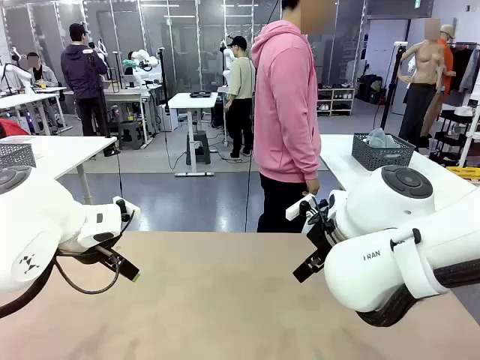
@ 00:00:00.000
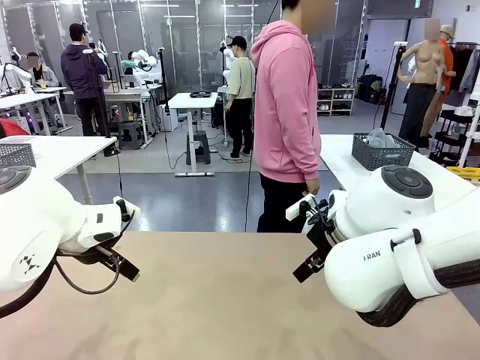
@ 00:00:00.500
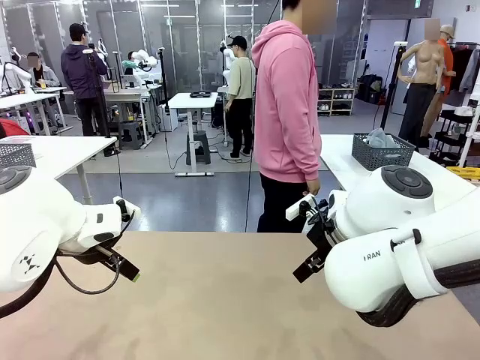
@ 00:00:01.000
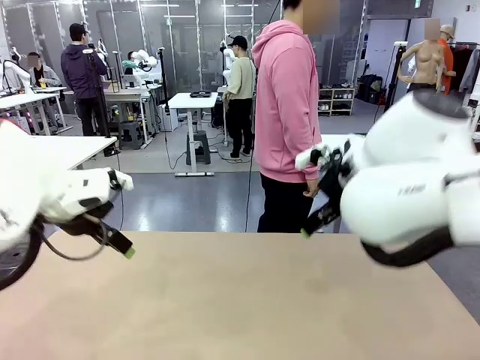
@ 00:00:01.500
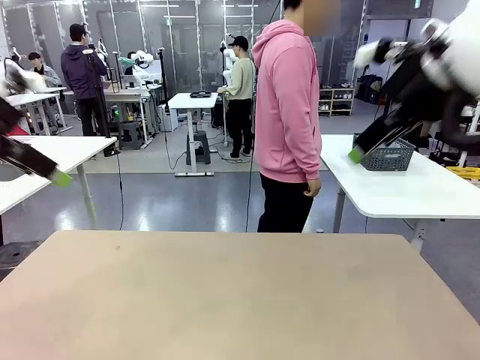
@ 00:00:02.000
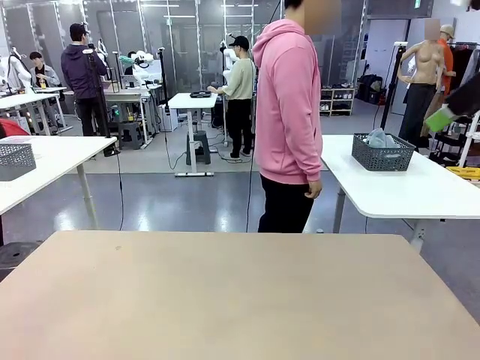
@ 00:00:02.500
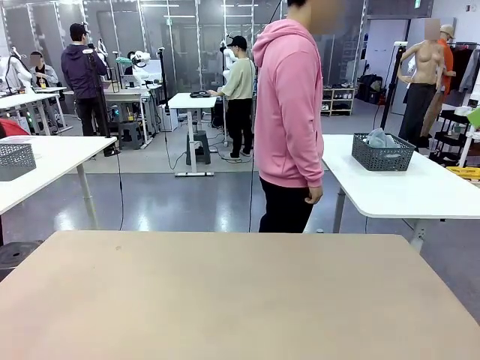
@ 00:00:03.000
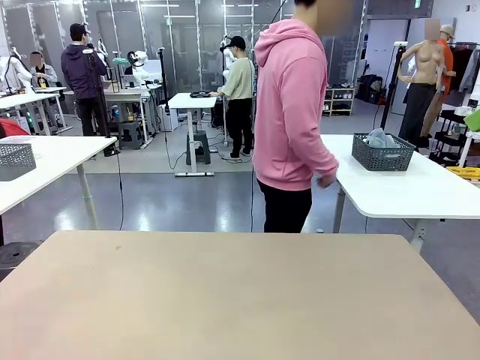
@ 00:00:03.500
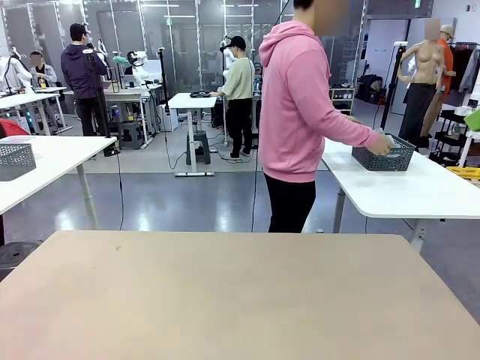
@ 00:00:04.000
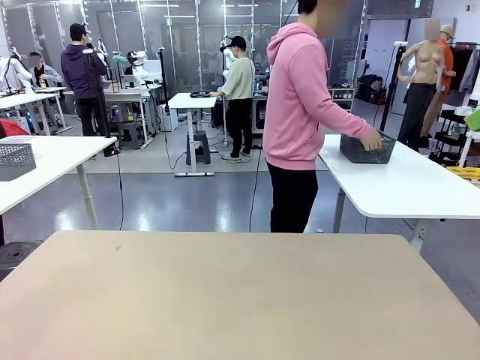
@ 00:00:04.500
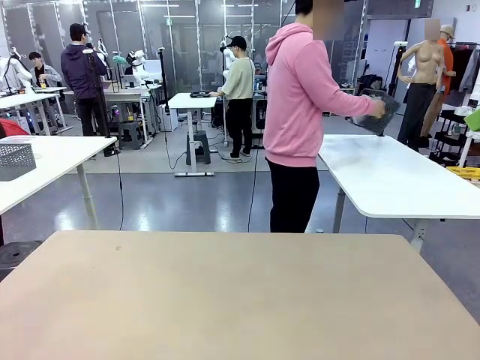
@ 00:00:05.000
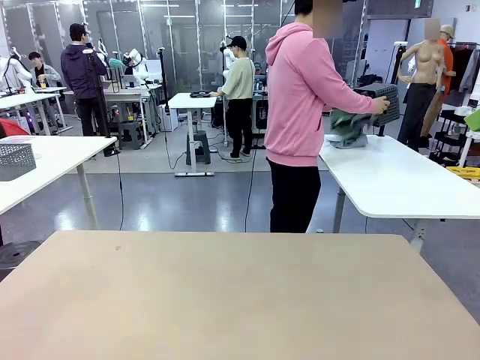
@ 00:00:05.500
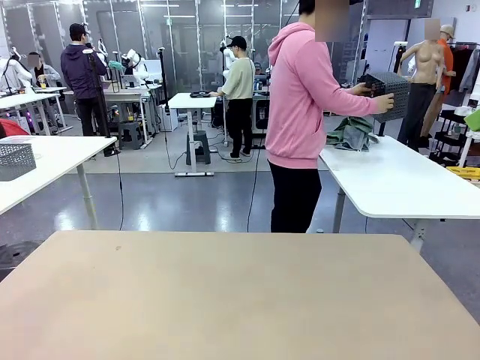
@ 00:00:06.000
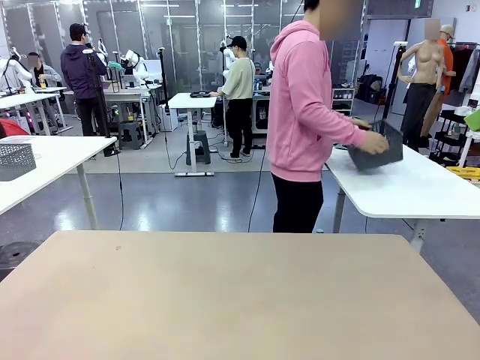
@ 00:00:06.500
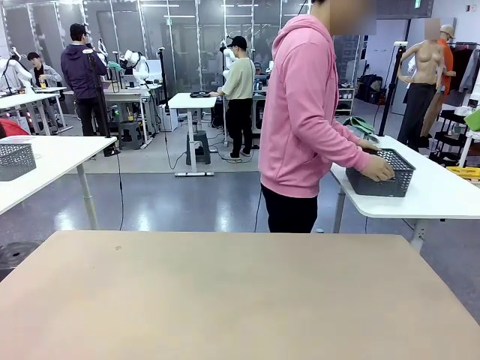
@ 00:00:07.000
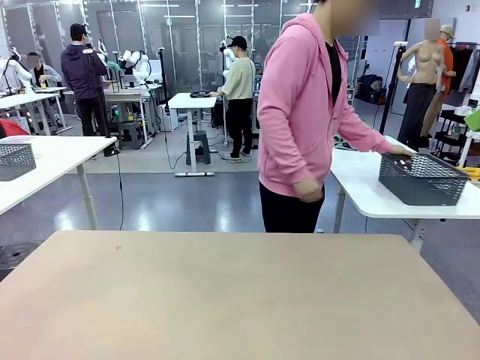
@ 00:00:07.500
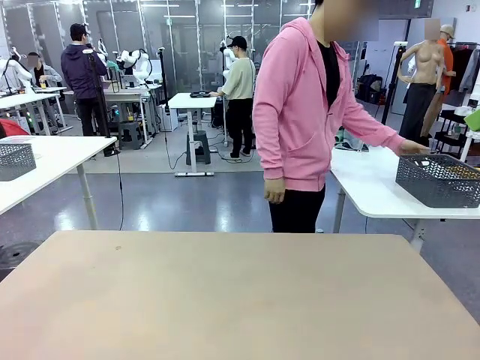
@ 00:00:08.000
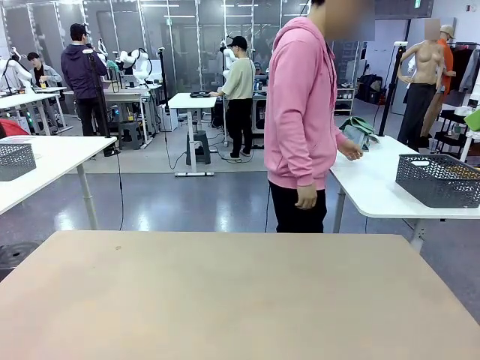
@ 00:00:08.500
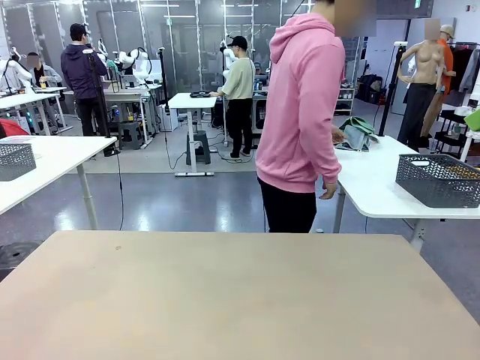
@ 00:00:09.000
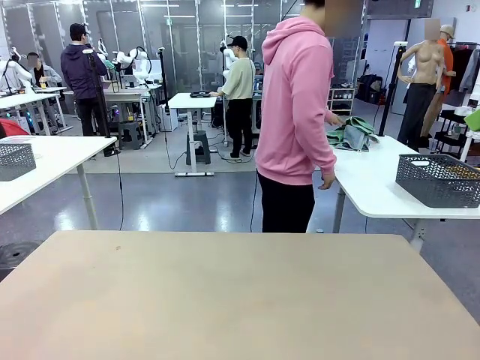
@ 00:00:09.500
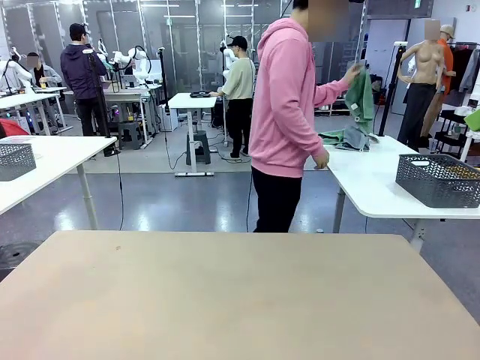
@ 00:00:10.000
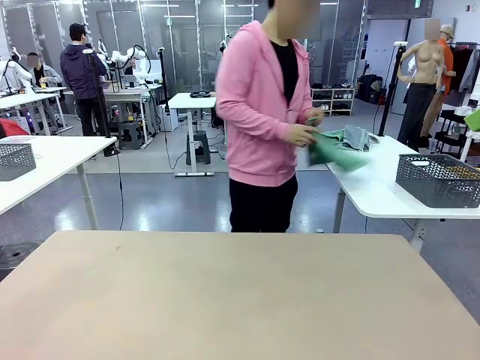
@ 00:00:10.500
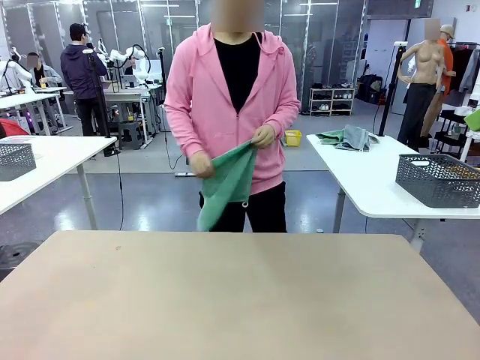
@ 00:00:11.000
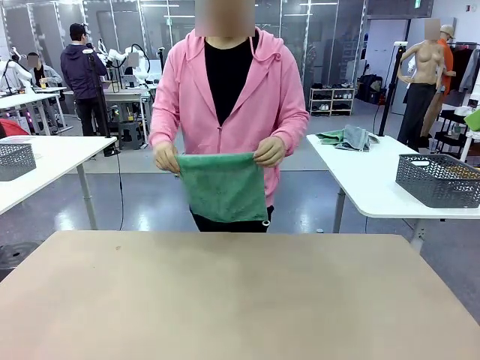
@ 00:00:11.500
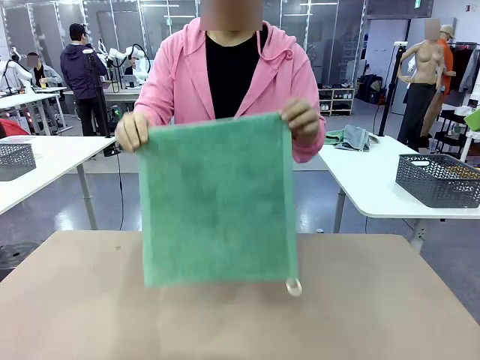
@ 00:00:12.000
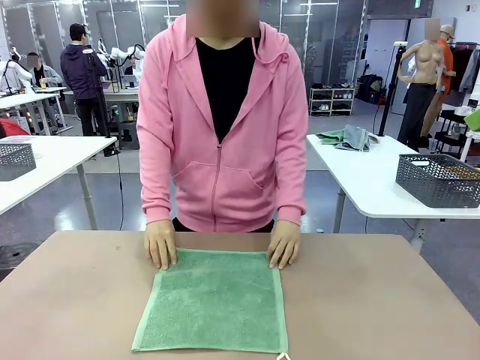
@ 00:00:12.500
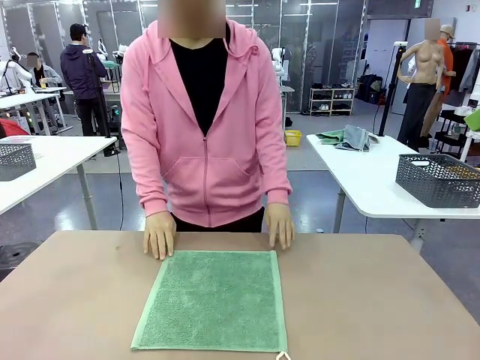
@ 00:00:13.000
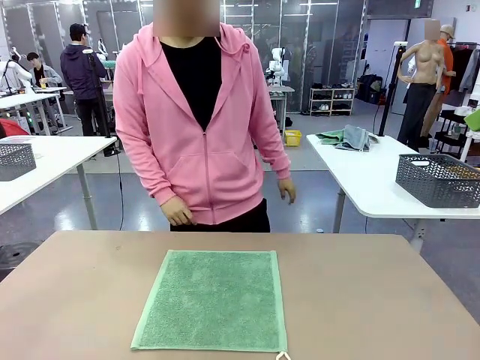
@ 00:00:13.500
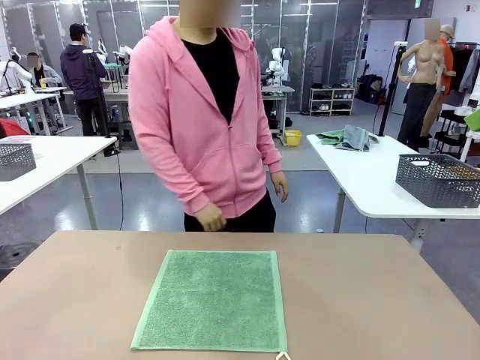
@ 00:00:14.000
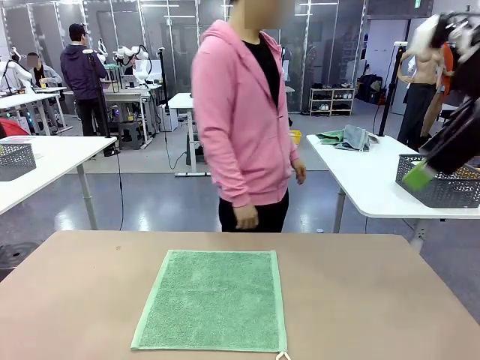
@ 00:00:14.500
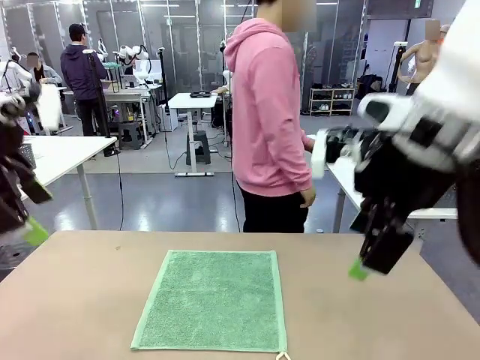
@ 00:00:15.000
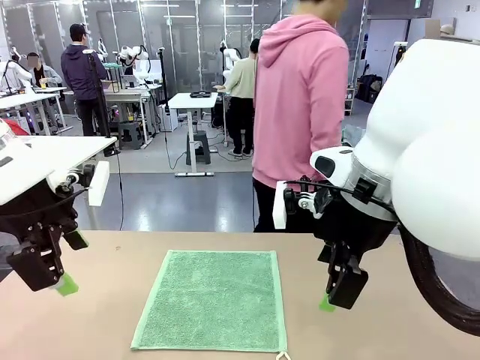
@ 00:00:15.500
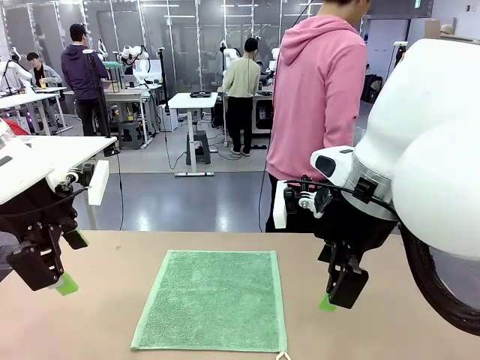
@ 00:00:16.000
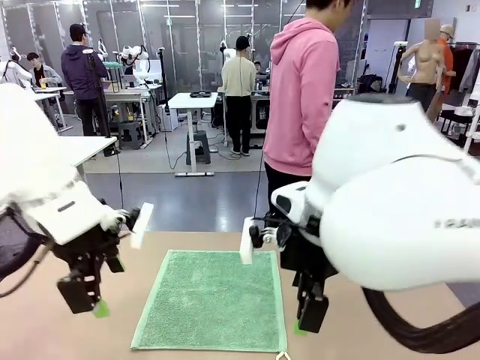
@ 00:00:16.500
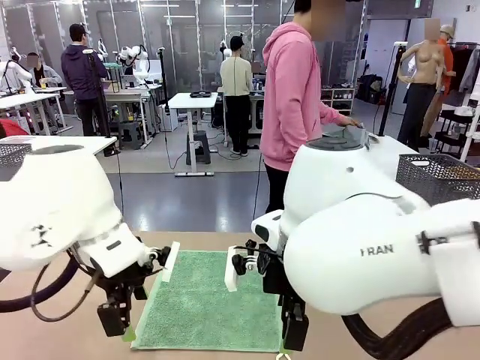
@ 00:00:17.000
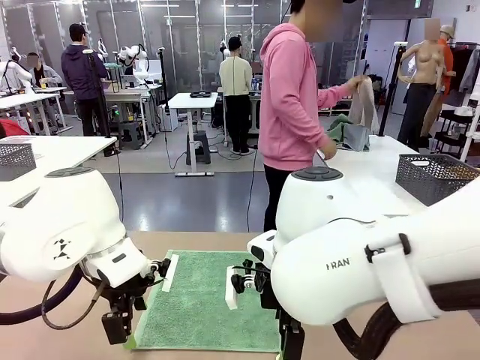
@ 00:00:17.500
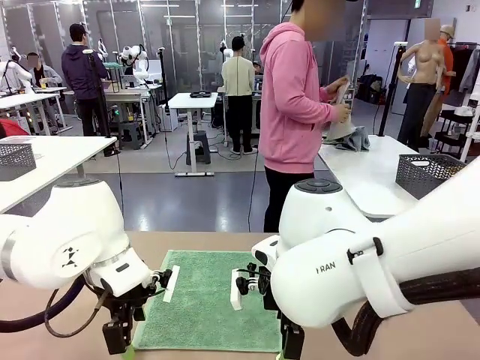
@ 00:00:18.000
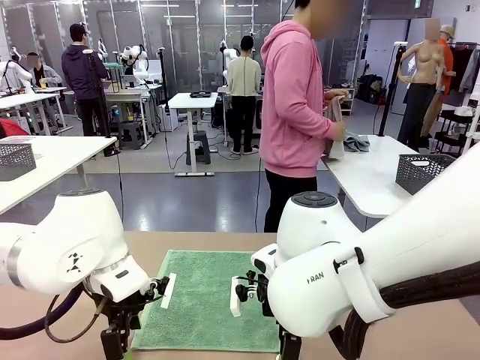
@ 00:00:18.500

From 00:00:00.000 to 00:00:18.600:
Task: Fold the towels and place them in the basket.
Robot: When a person lays out a Towel with hook on the table, fold it in half twice.
Person: Pick up the basket, pour the towels onto the left side of the human table, and place the basket on the right side. Pick up one towel and spread it out at the center of the robot table.
